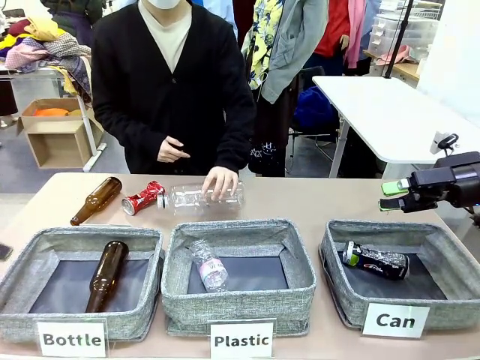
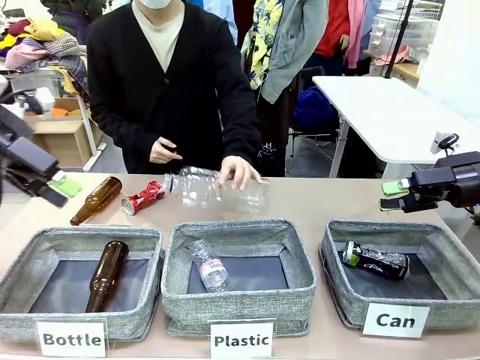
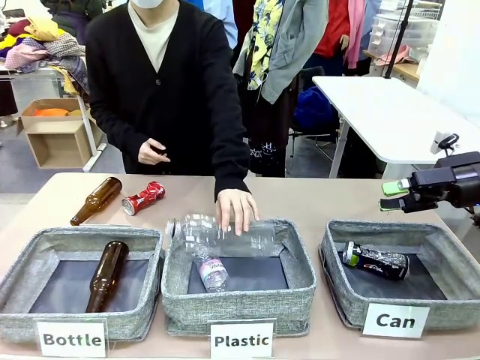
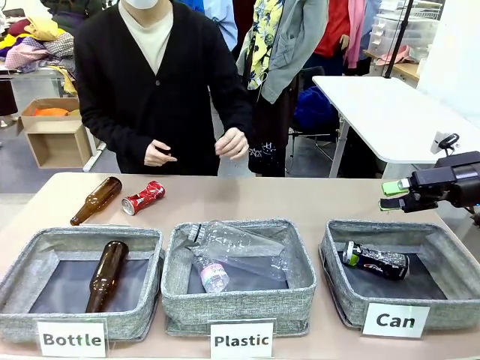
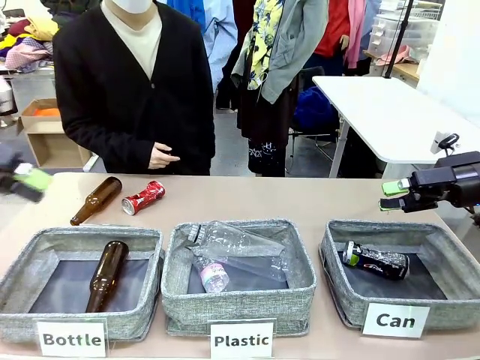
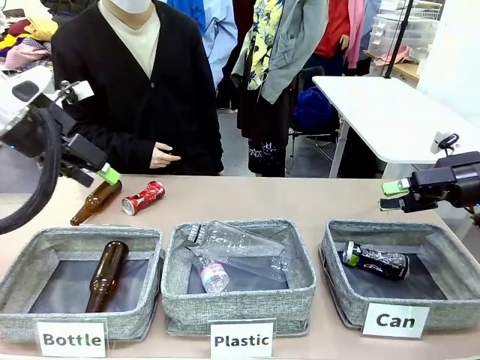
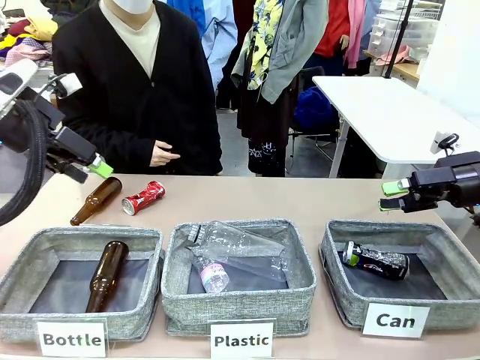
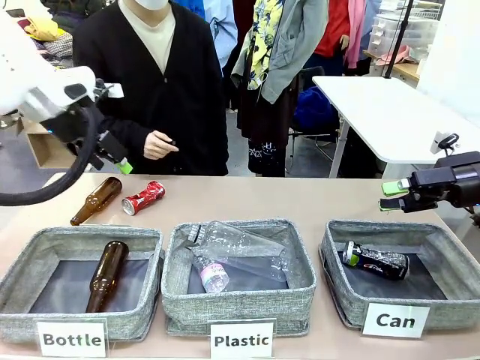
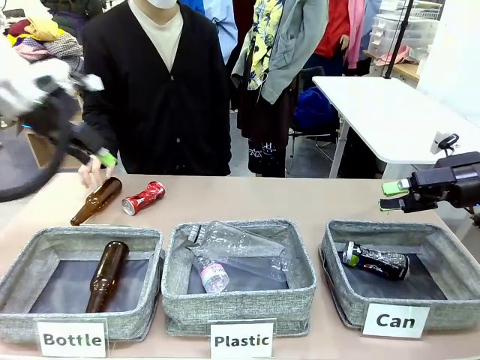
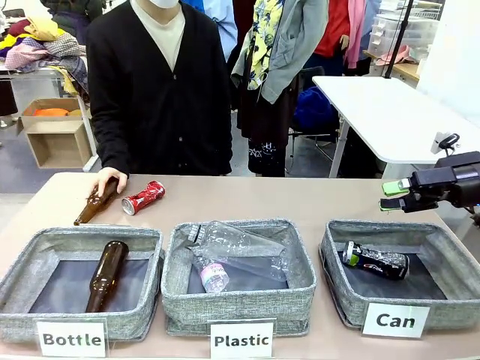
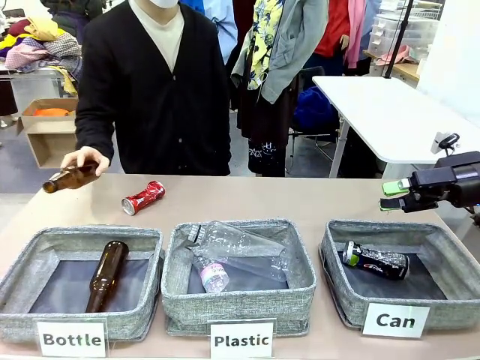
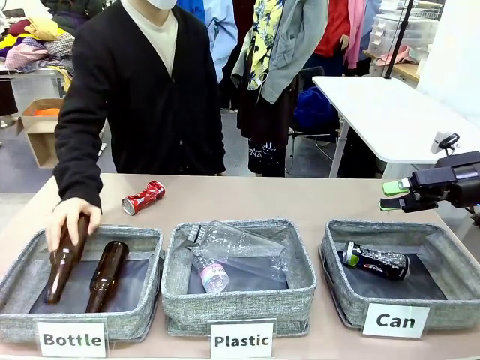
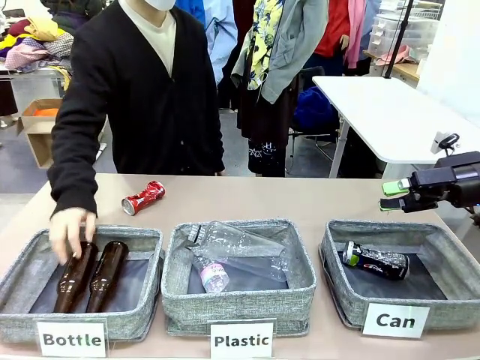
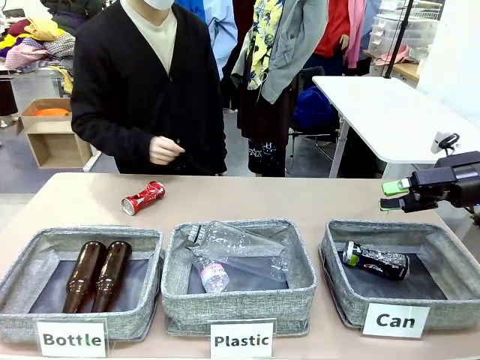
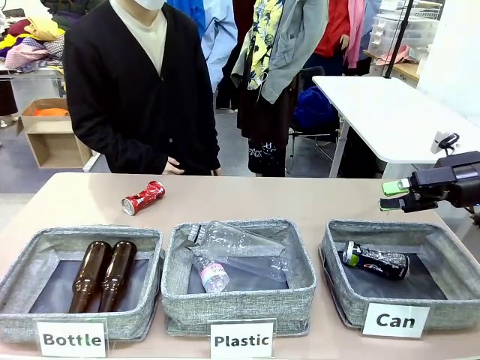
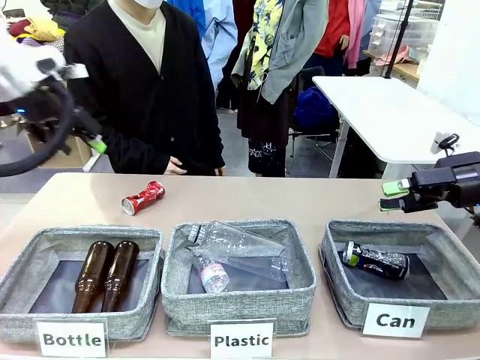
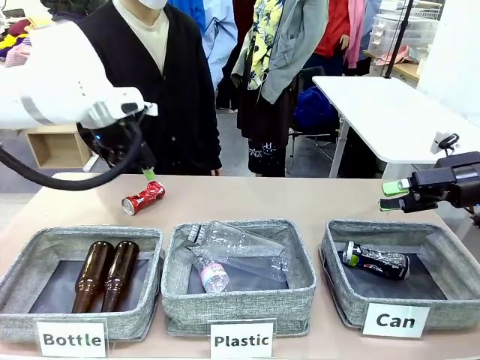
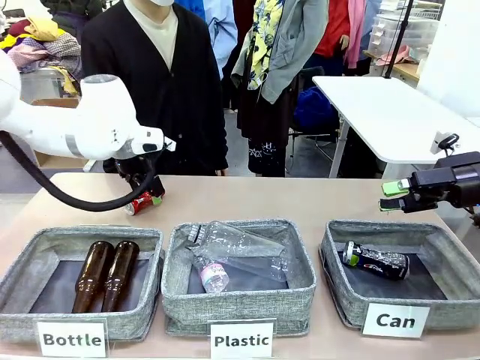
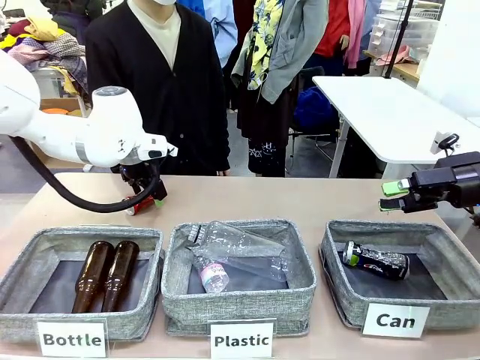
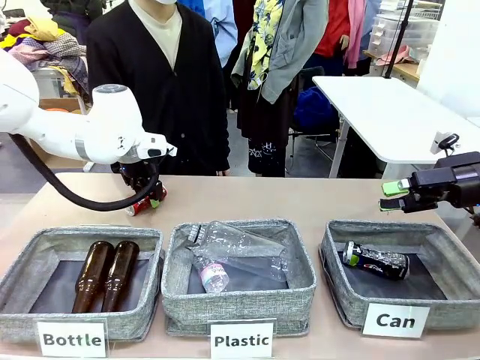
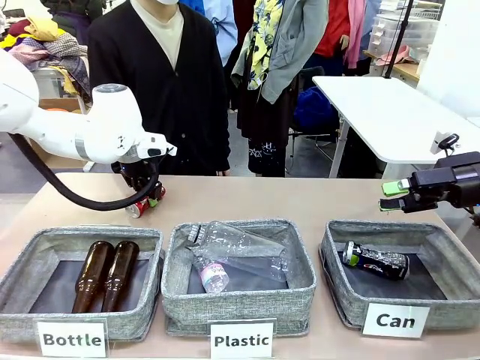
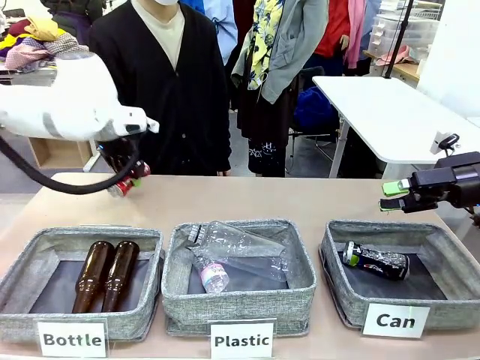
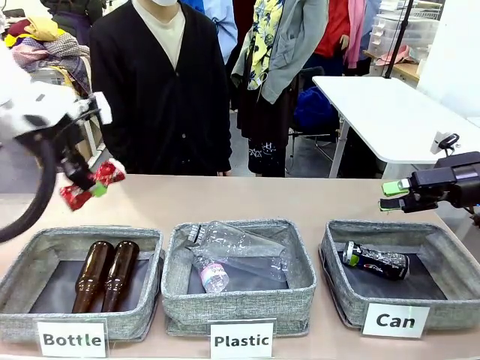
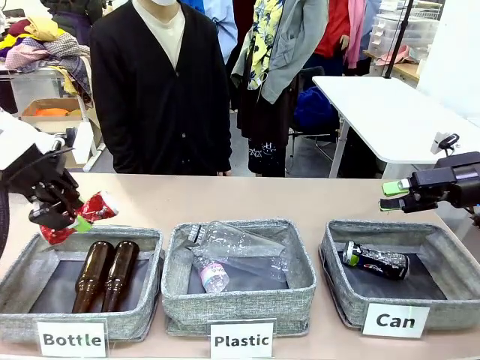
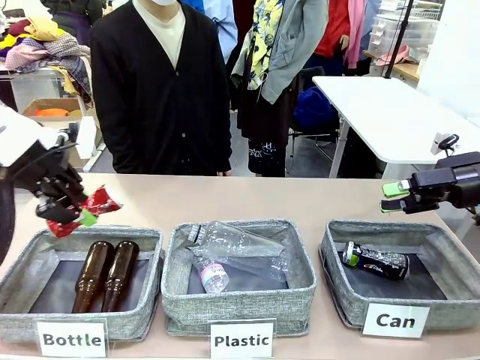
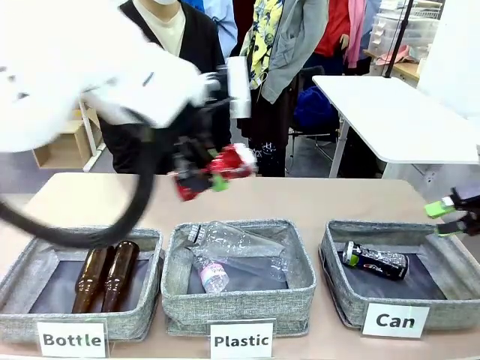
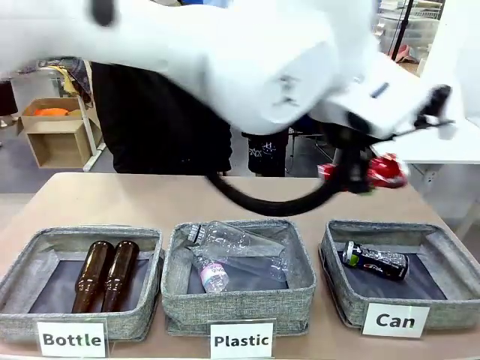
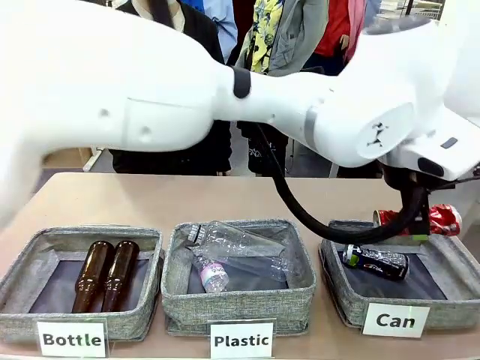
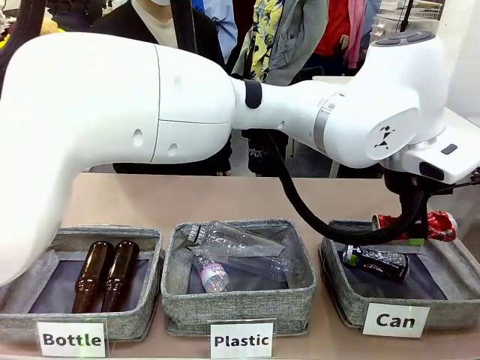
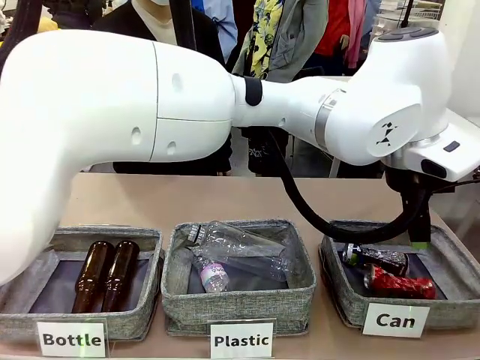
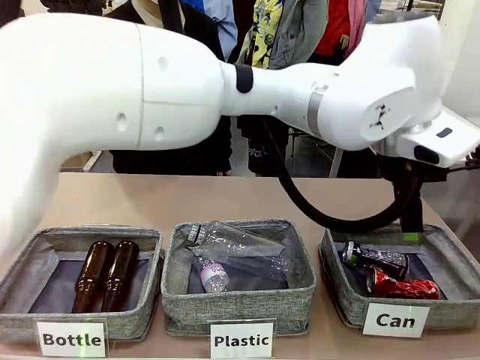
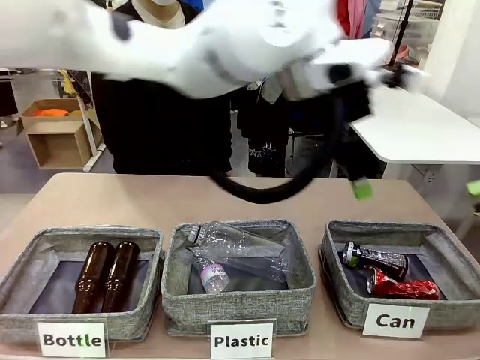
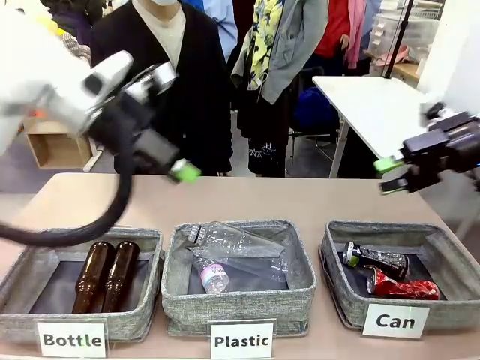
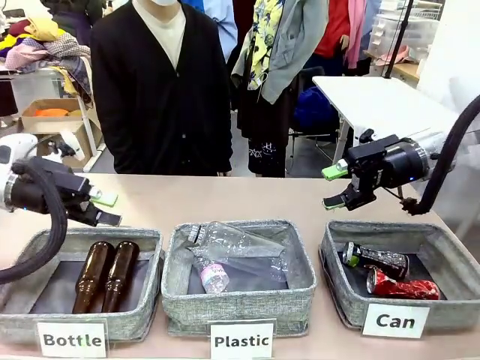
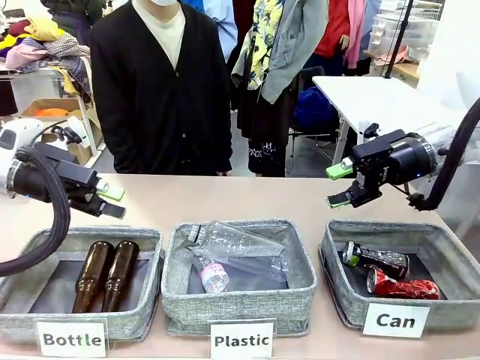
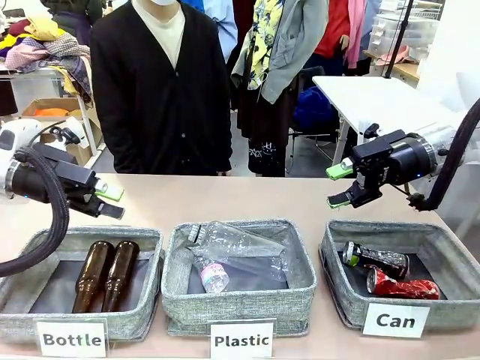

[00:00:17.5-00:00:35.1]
Task: Sort the can waste into the basket.
Robot: Pick up the can waste from the table and place it in the right Fabric basket.
Person: The human picks up one piece of trash that is not a can and places the trash into the appropriate organizing basket.

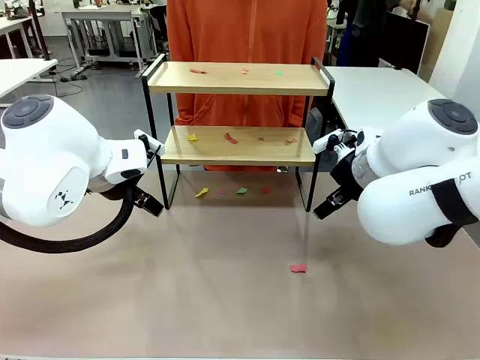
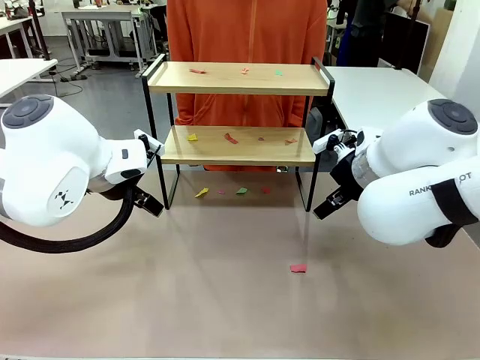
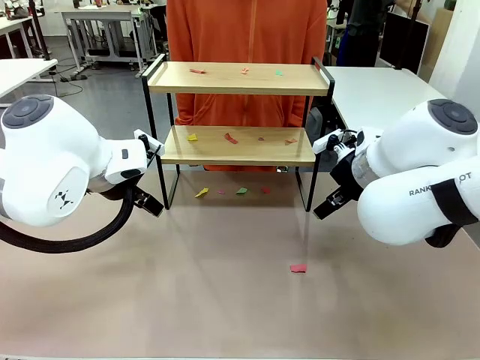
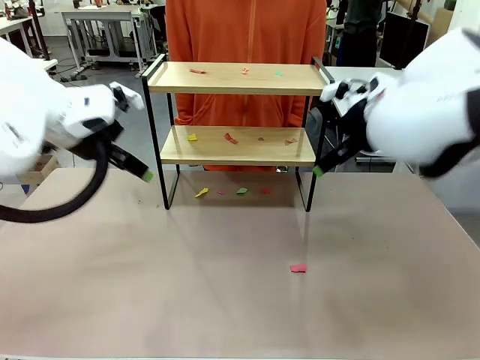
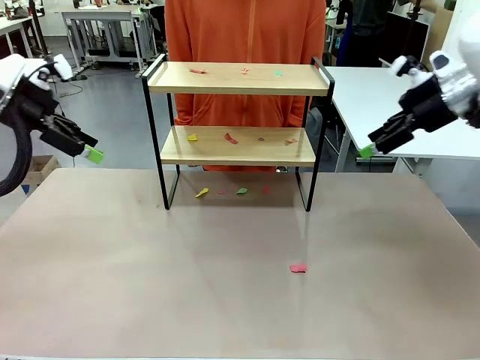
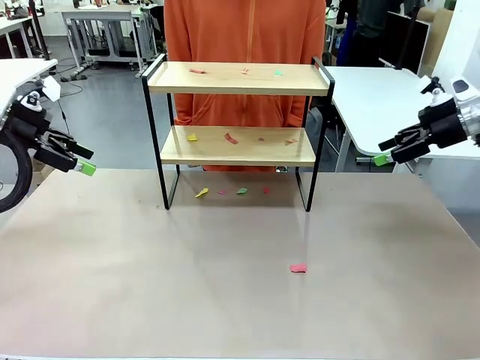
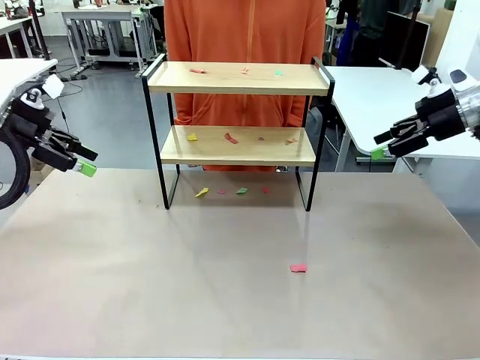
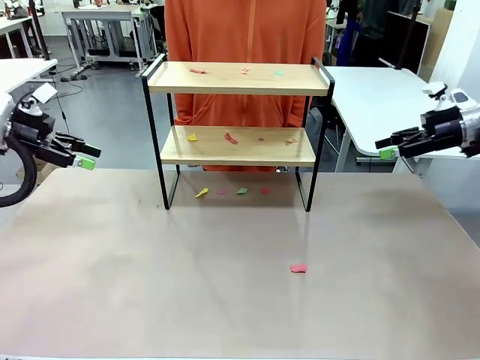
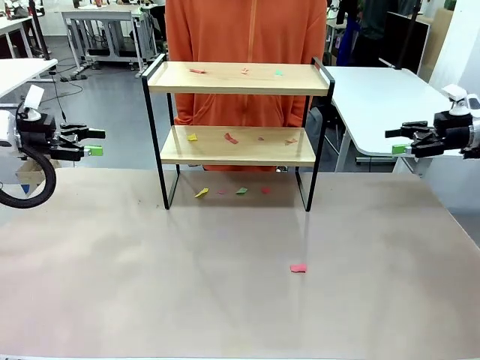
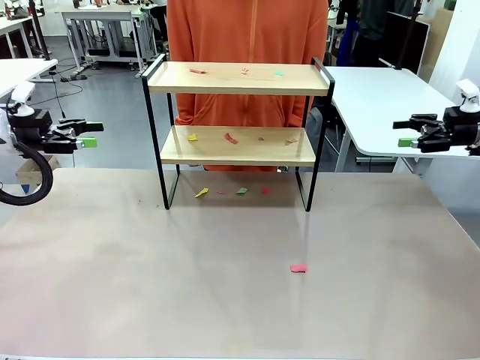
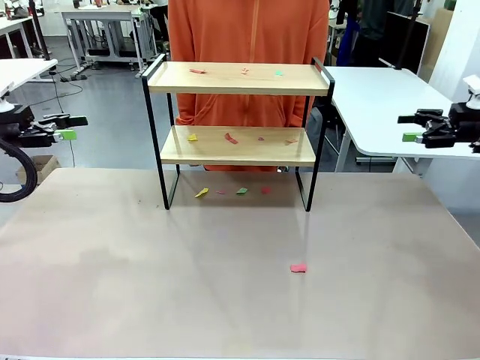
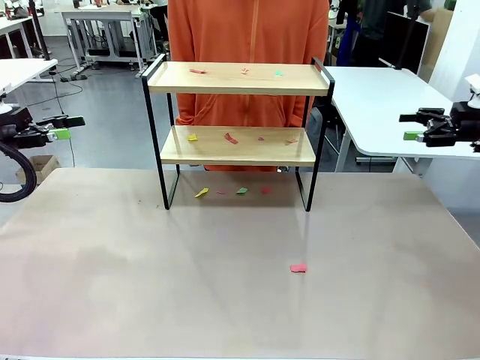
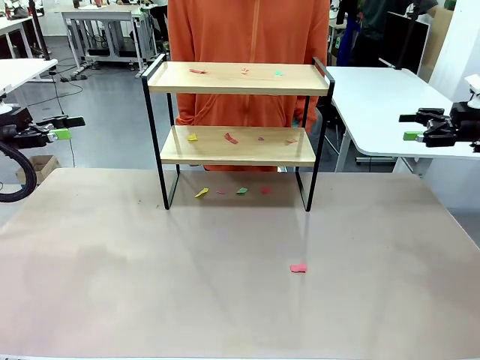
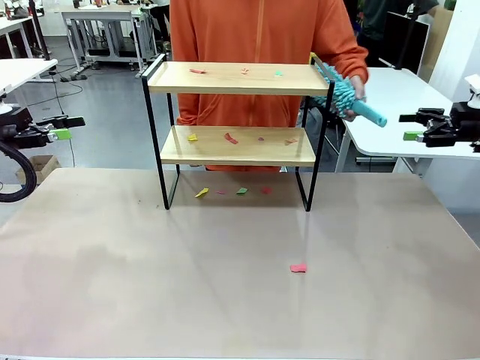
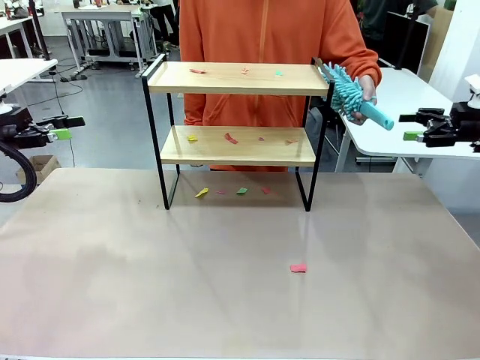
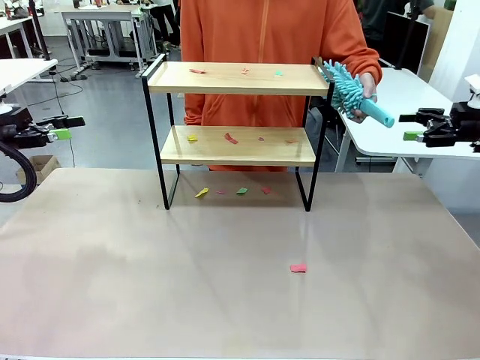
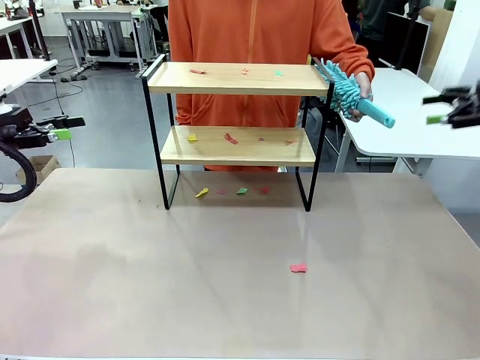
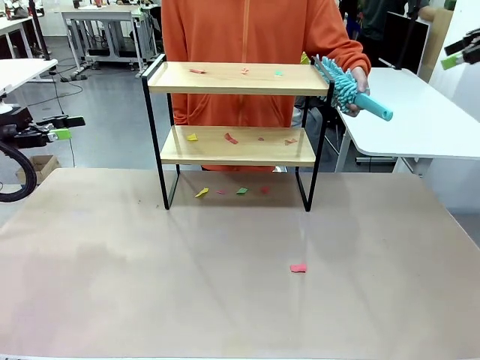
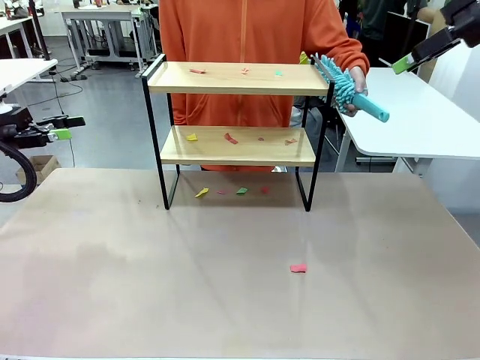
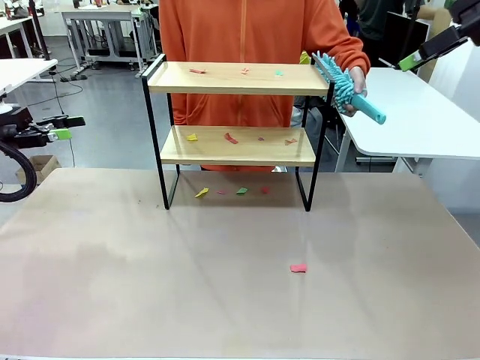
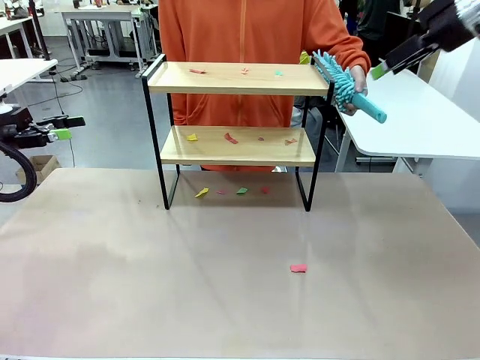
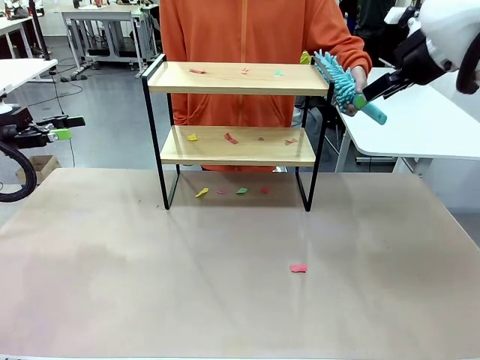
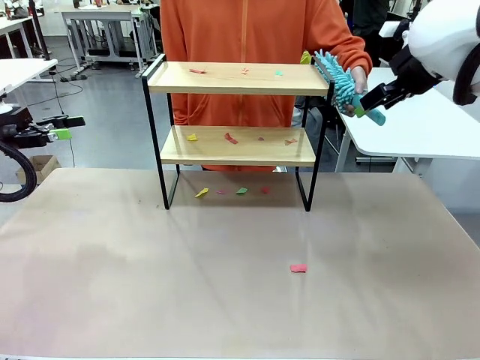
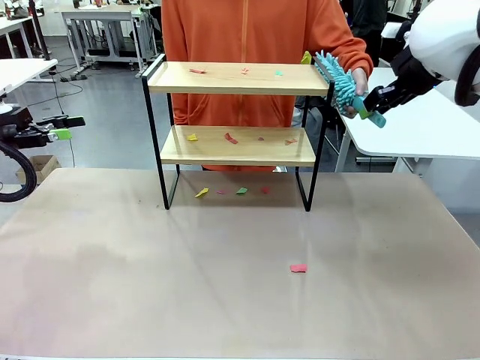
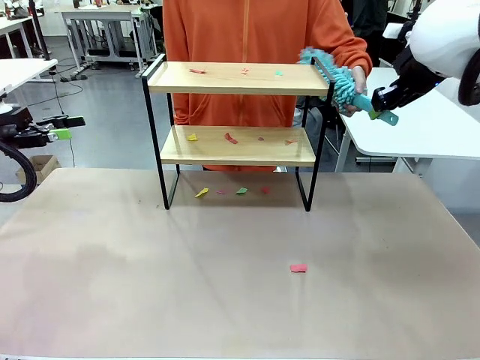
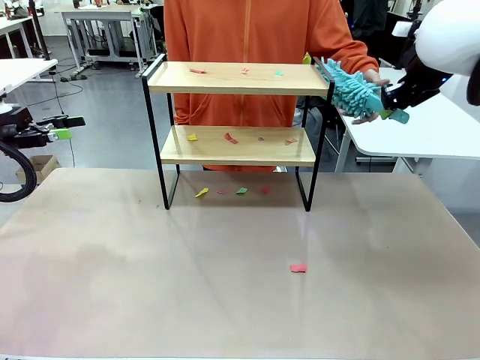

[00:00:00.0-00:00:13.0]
Task: Clean the shelf.
Robot: Pick up the Duster handed by the human.
Person: Hand the Duster to the robot.
